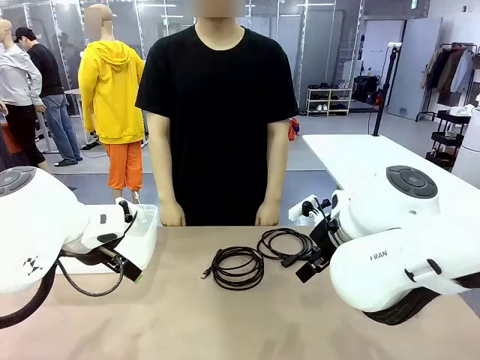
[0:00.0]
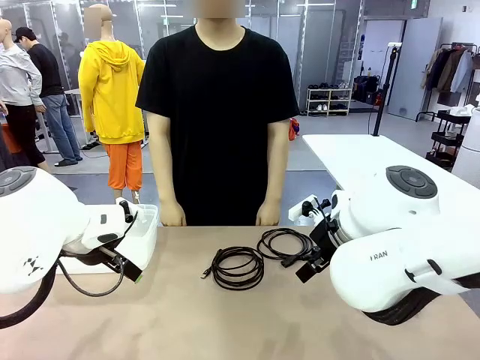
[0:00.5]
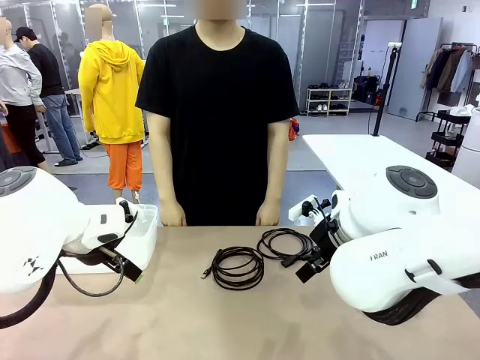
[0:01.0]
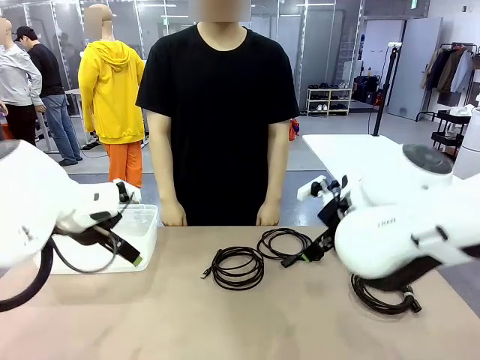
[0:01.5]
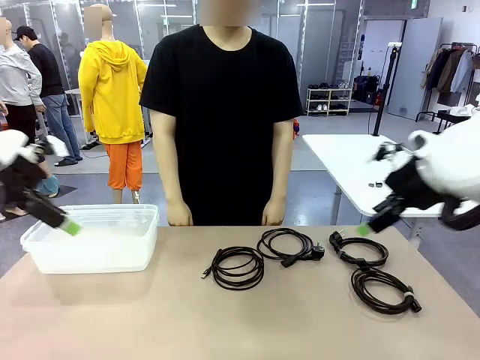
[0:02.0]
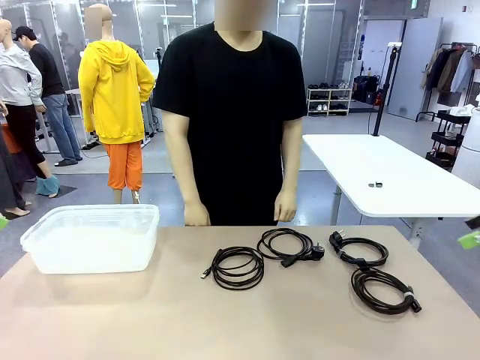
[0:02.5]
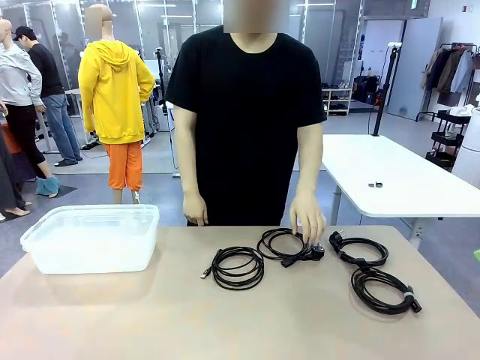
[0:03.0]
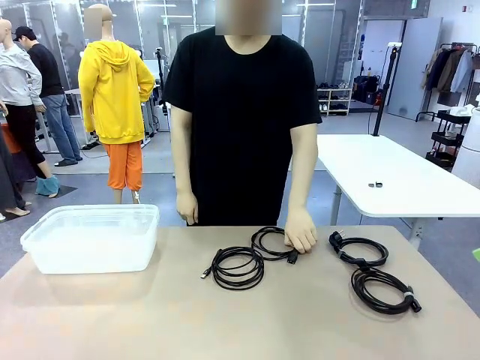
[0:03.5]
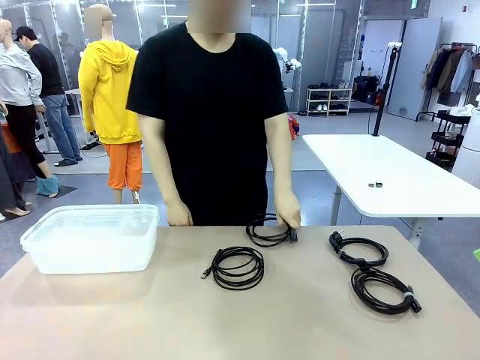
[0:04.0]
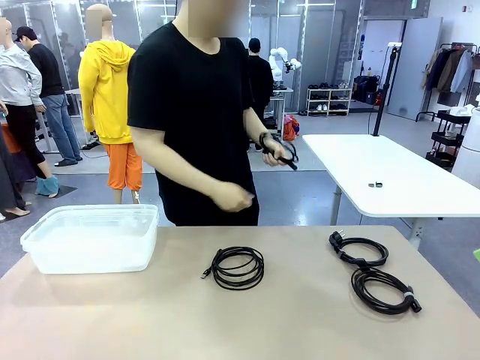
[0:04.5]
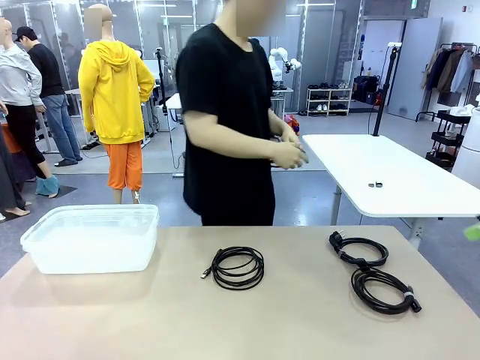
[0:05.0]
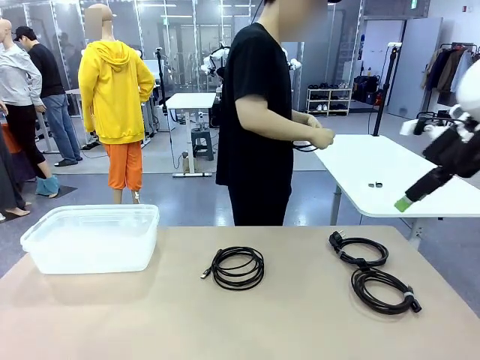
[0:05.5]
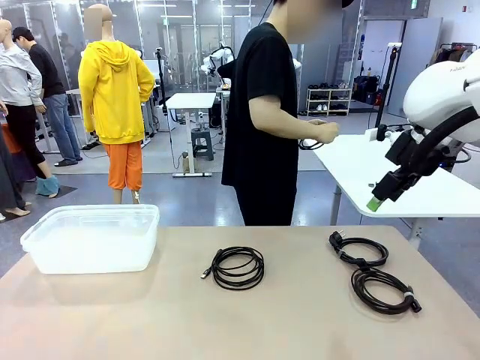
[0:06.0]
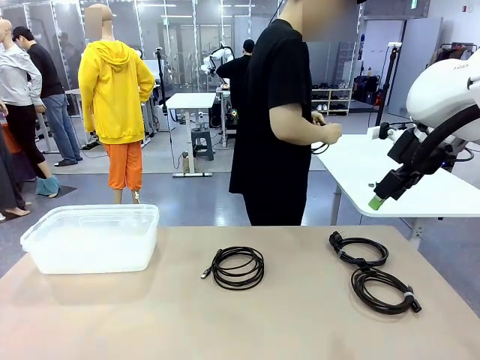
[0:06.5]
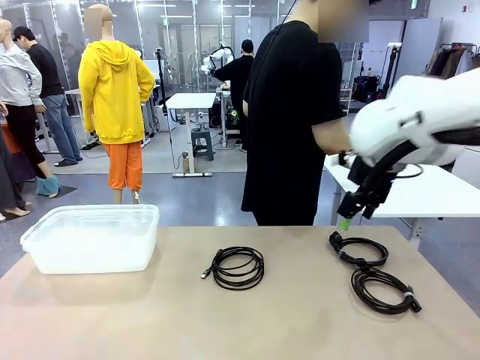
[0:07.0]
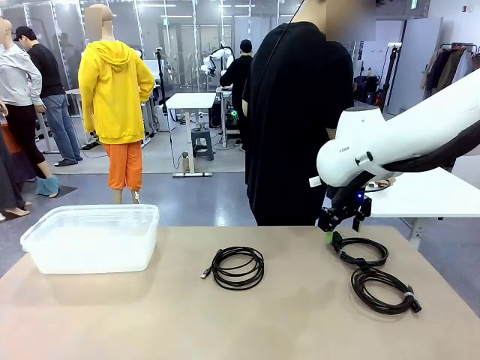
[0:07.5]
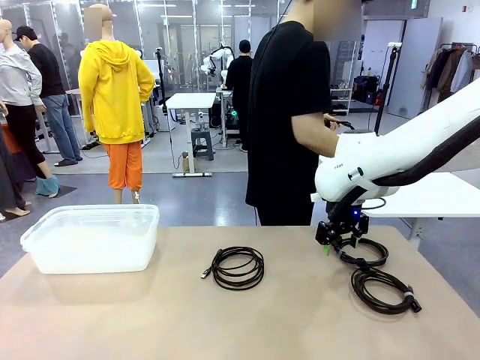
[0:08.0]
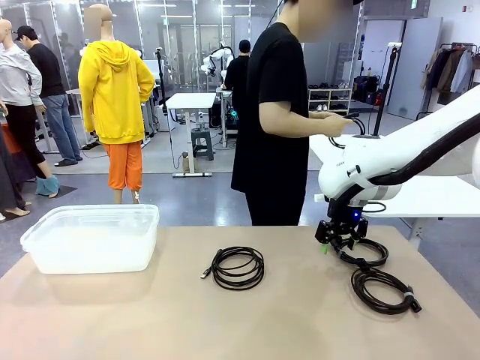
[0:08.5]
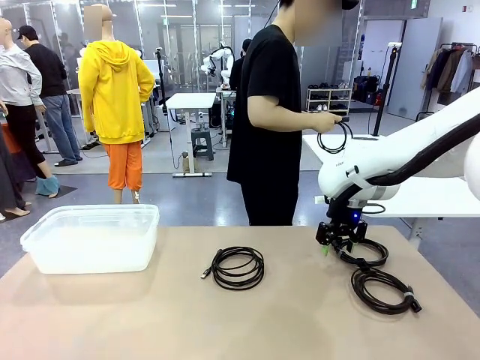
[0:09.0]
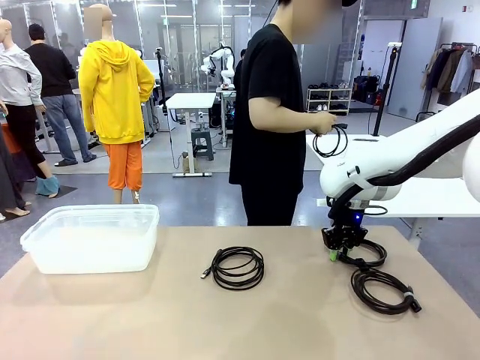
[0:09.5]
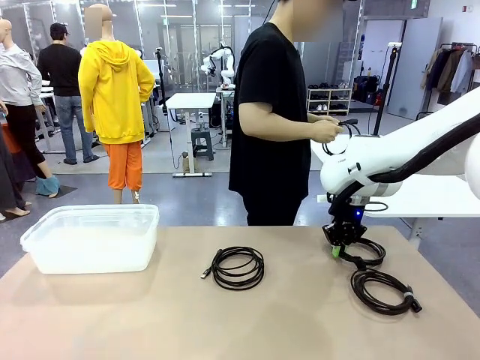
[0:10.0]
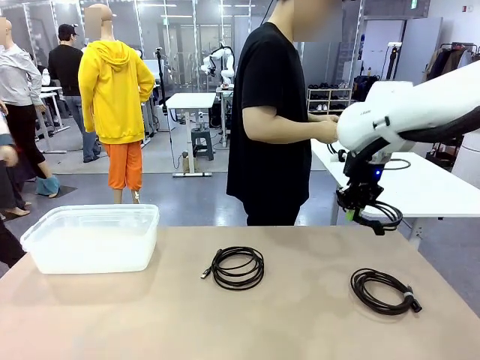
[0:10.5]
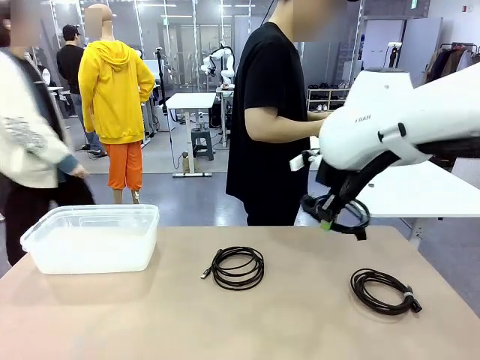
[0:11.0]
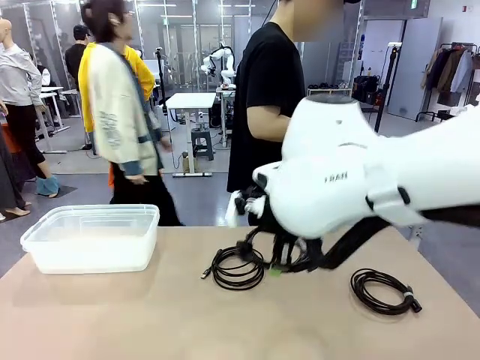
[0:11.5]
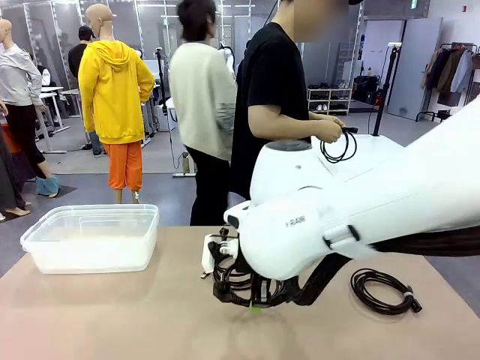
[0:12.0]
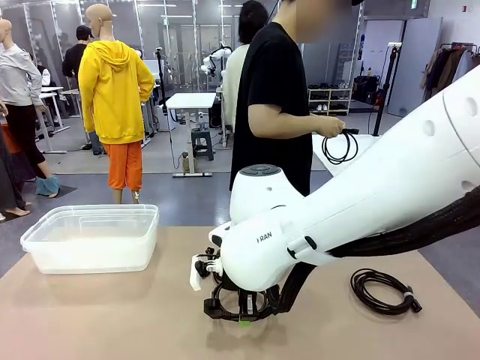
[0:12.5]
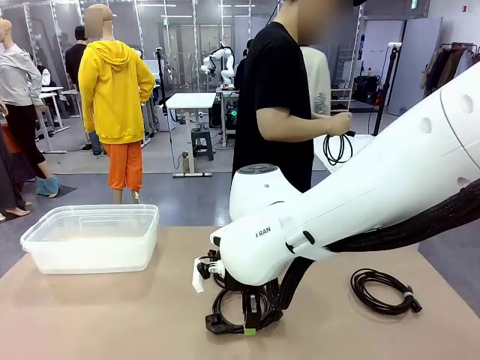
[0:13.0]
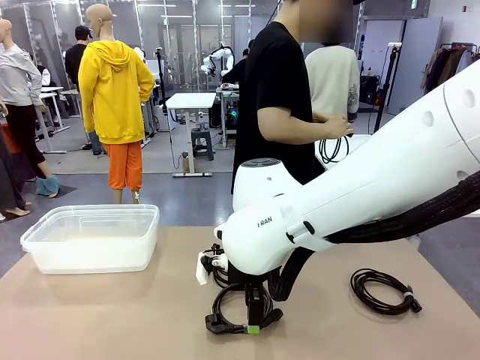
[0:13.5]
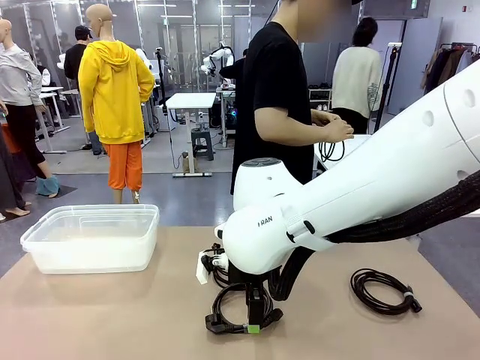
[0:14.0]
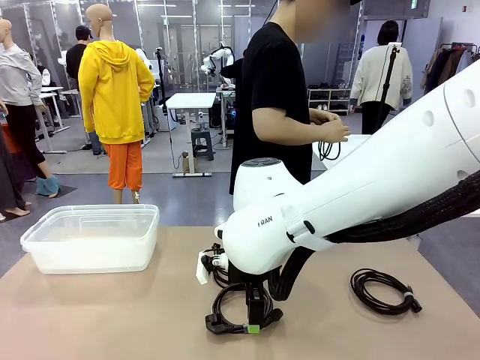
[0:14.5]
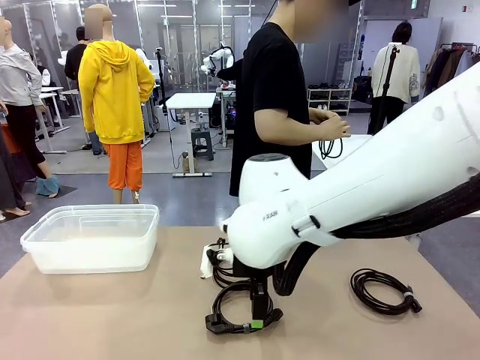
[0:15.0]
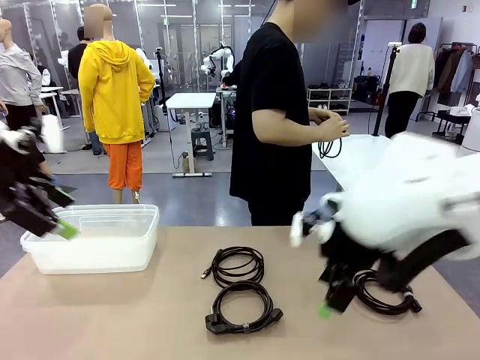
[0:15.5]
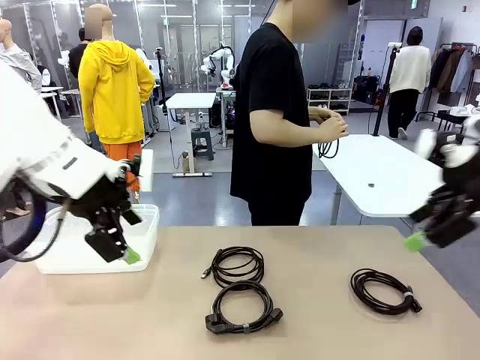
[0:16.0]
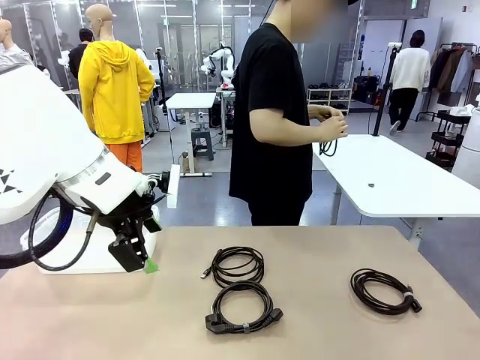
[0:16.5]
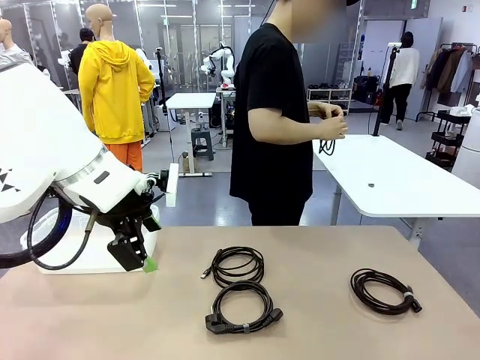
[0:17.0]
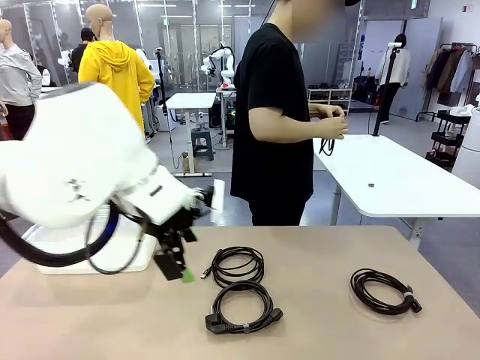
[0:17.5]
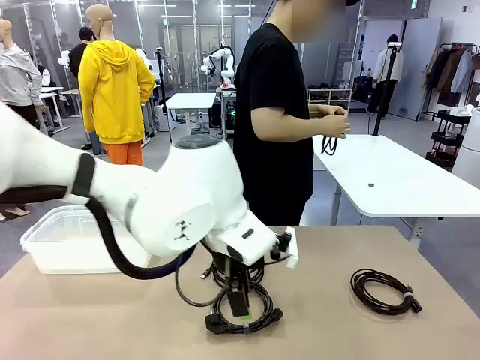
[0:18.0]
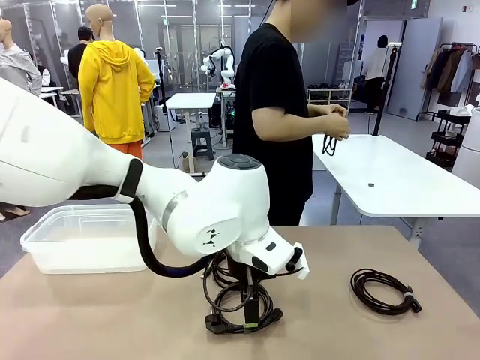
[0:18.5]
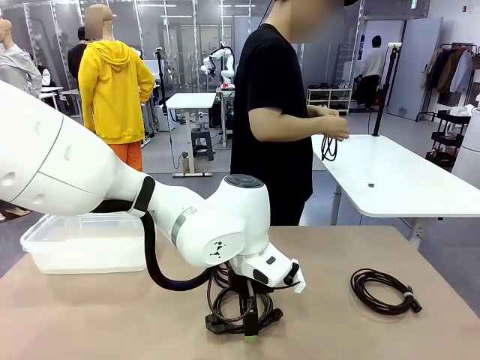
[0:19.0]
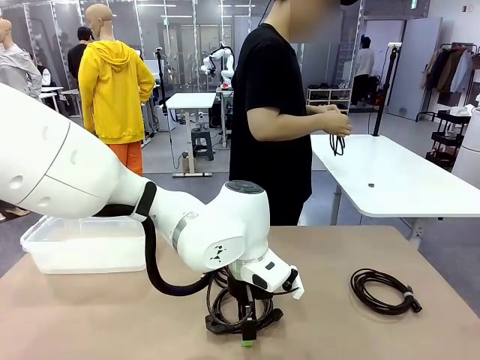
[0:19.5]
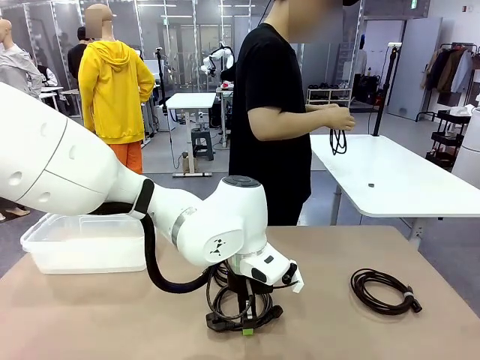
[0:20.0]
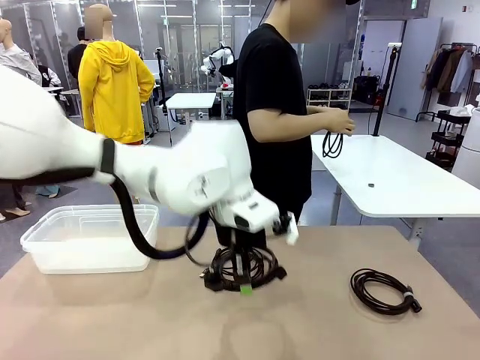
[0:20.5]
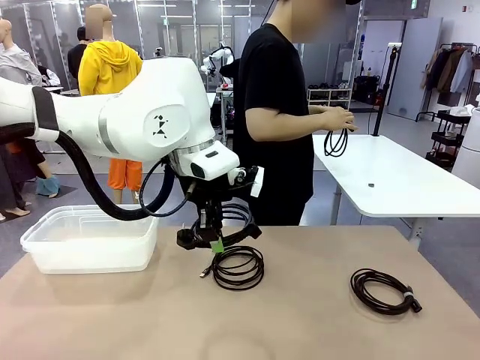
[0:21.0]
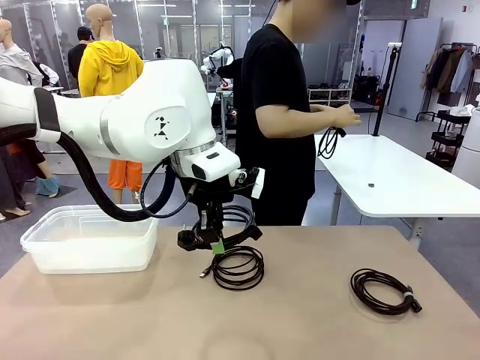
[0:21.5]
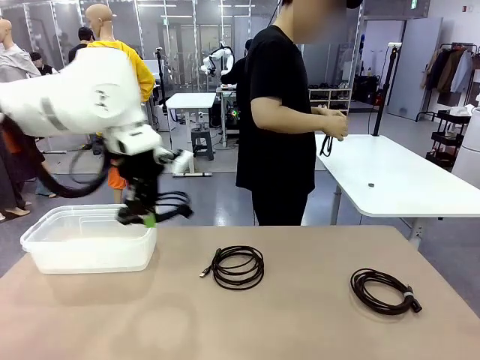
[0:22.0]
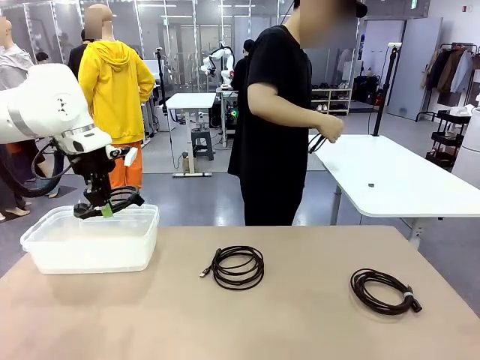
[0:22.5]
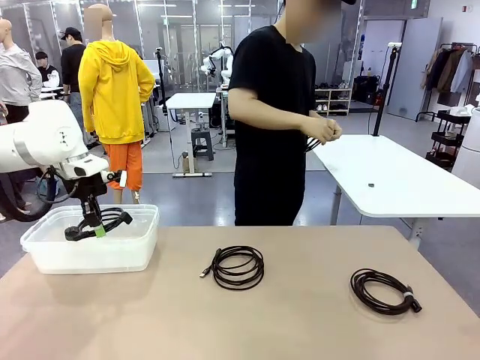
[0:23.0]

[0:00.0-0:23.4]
Task: Organize and store the cables.
Robot: Place the Power Cable into the Organizing box.
Person: Tie one Power Cable with a Reusable Cable Tie.
